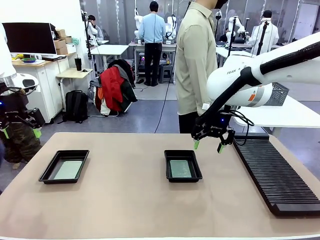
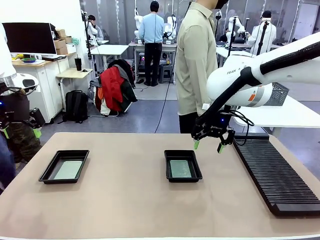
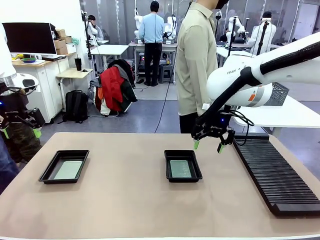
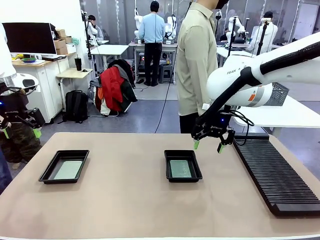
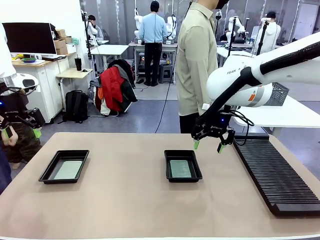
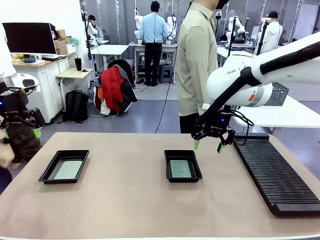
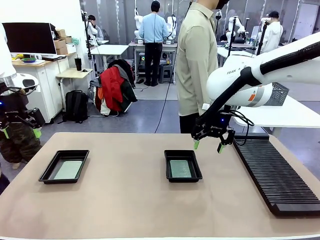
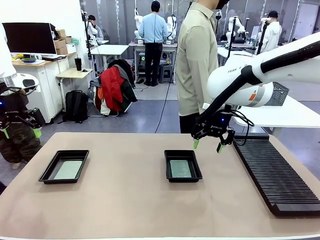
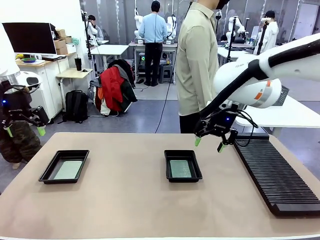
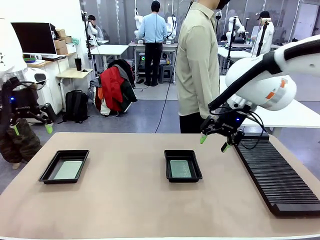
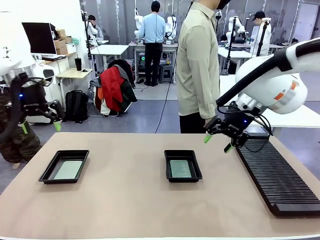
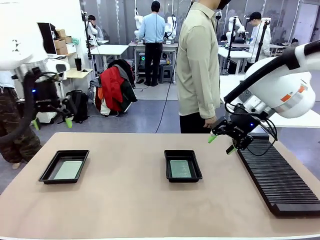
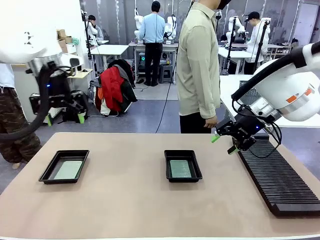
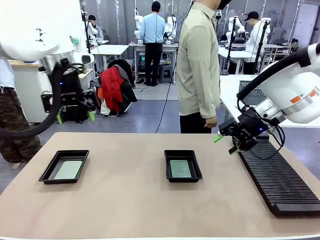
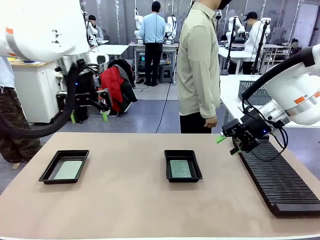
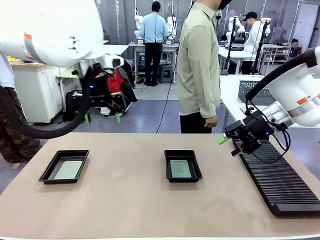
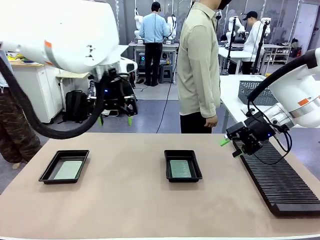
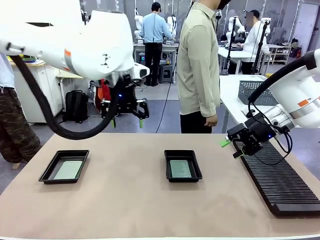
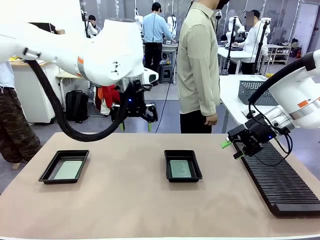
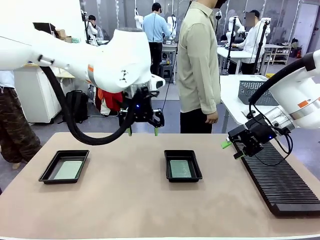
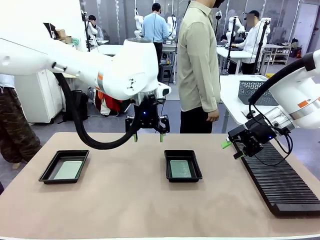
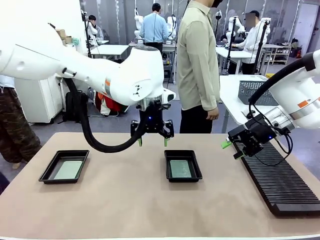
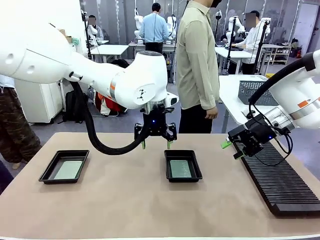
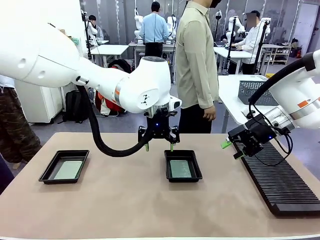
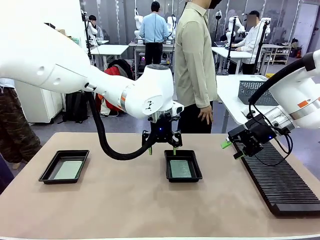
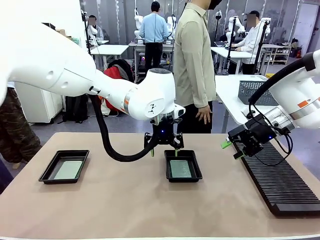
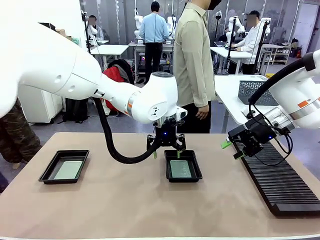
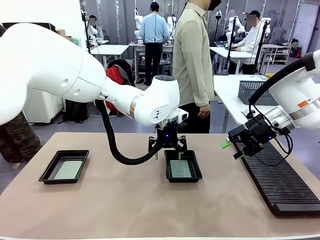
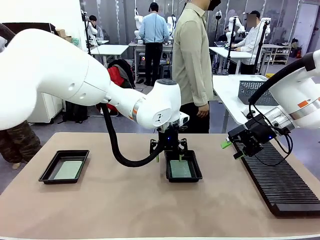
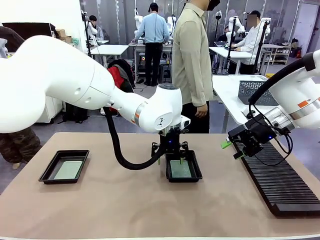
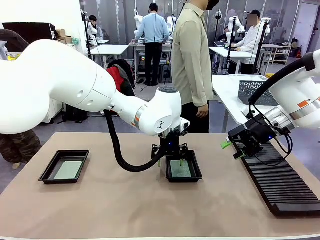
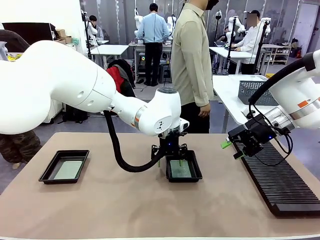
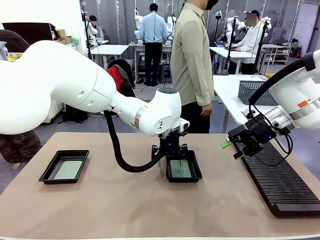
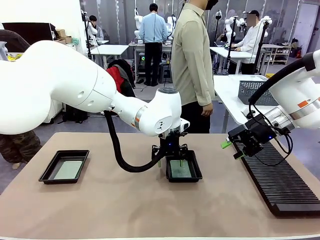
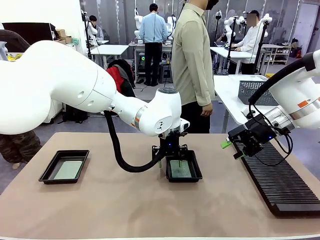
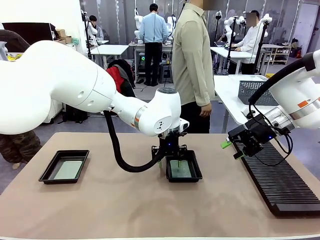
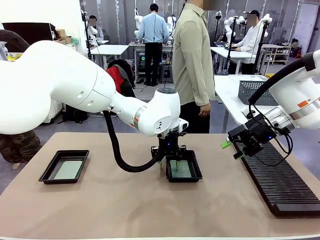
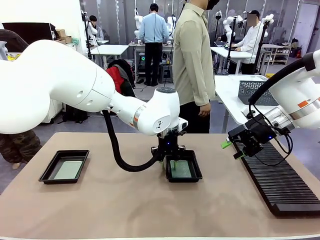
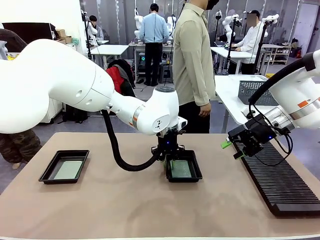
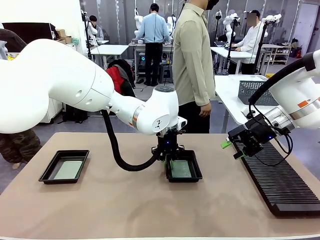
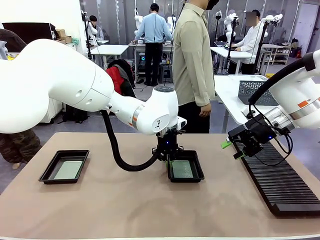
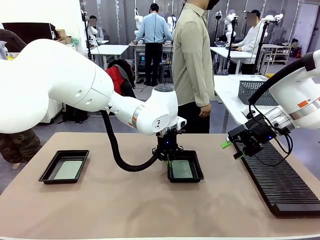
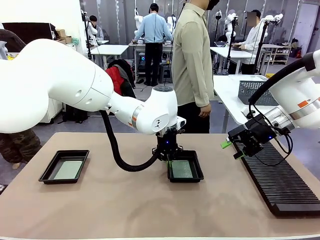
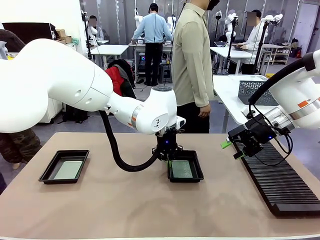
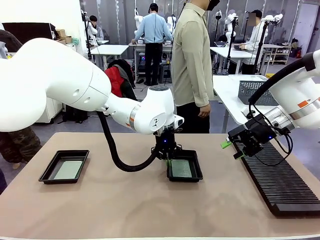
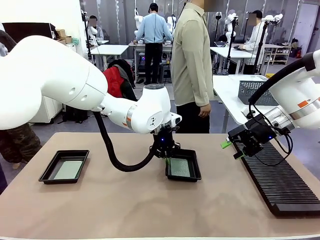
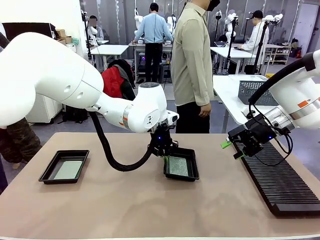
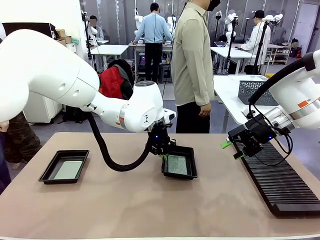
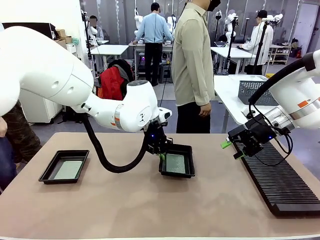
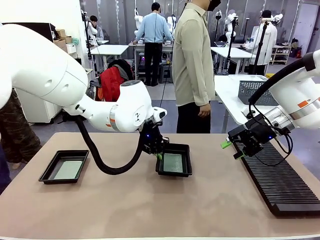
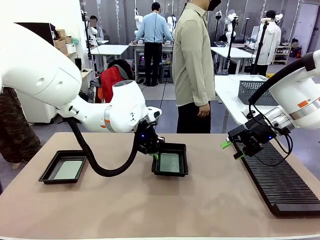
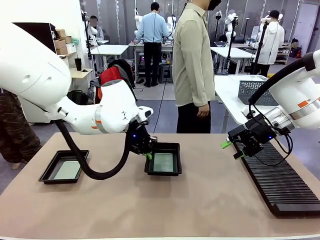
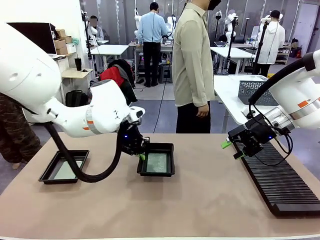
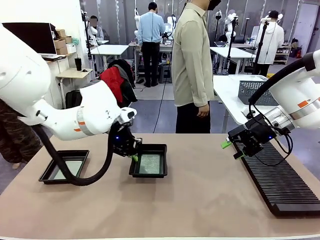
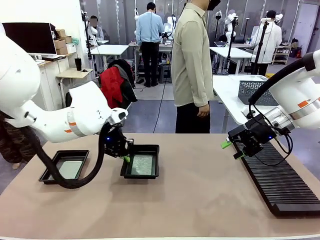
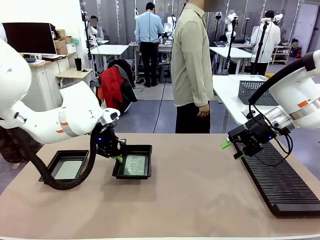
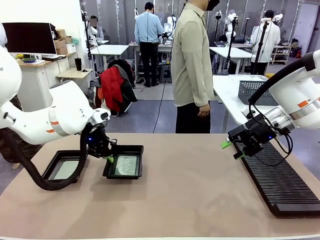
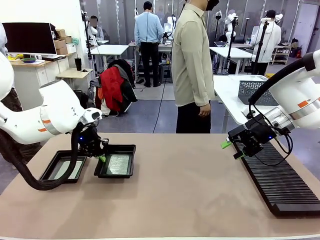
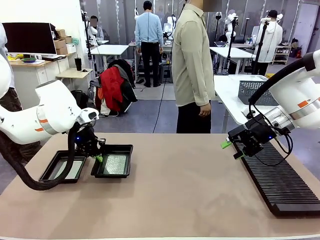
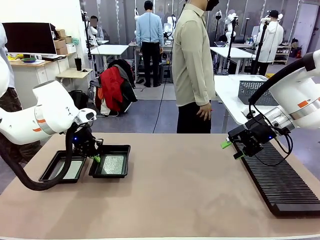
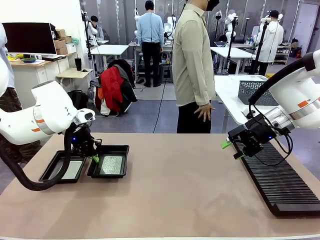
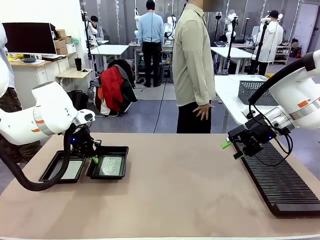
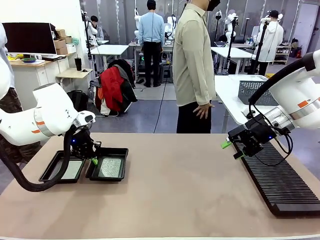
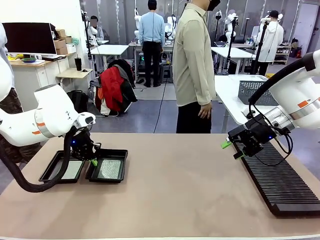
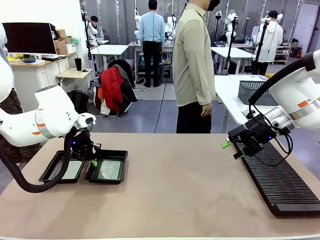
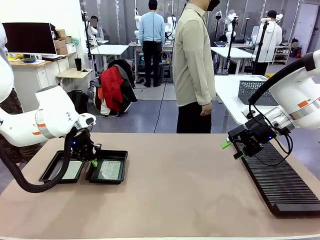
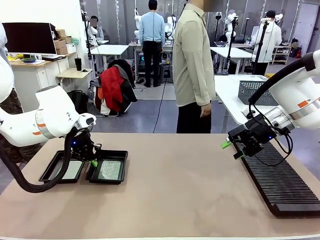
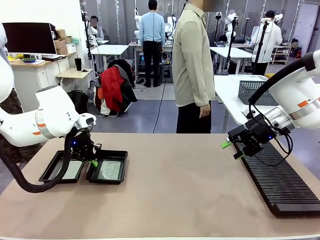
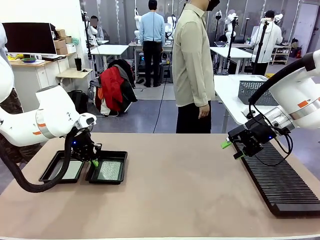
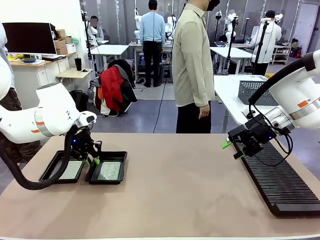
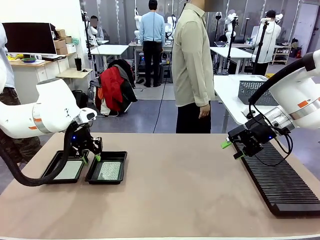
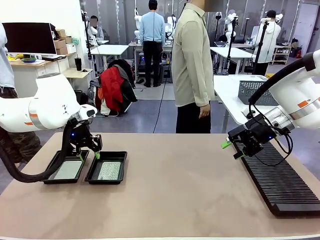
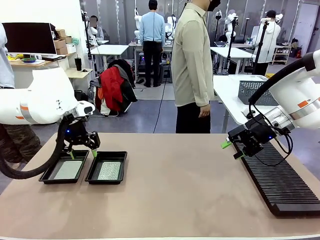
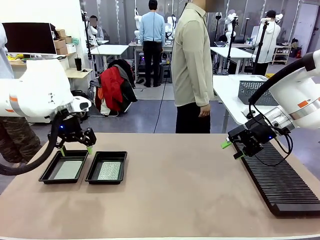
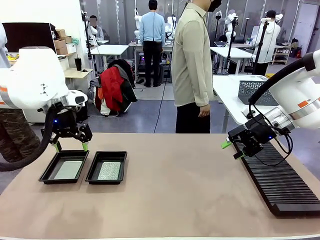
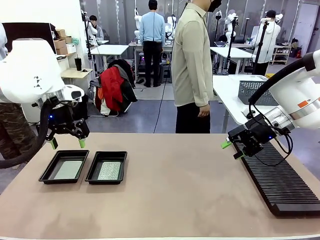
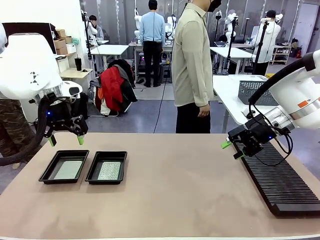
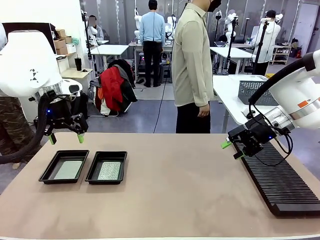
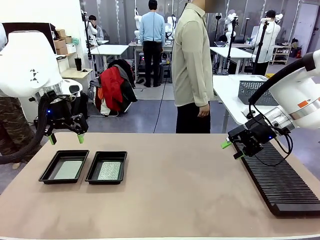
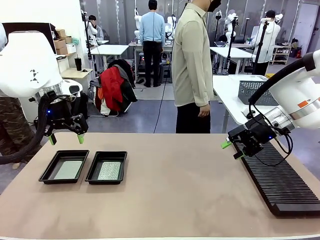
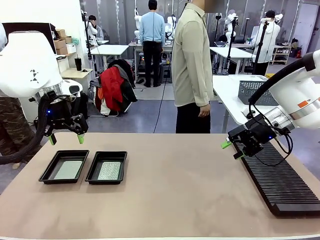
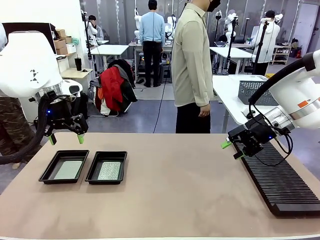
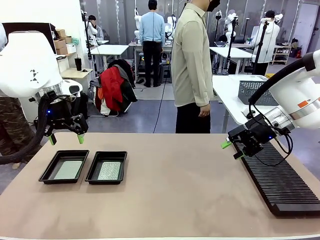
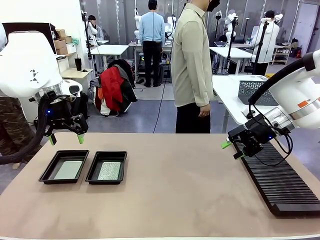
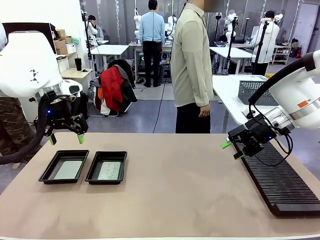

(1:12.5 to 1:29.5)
Task: Inspect and transfer BCBs to ESD trays.
Robot: Pick up the ESD tray and place it on the left side of the table.
